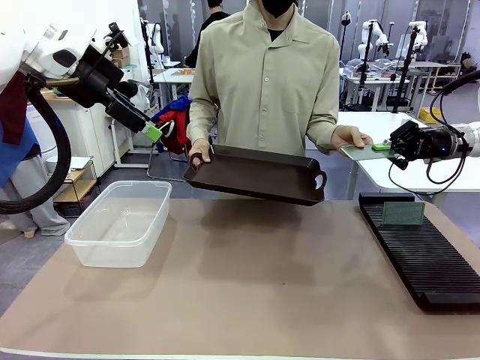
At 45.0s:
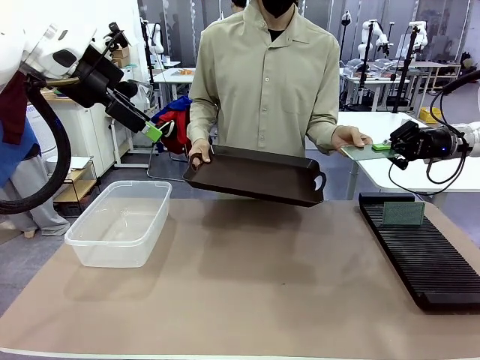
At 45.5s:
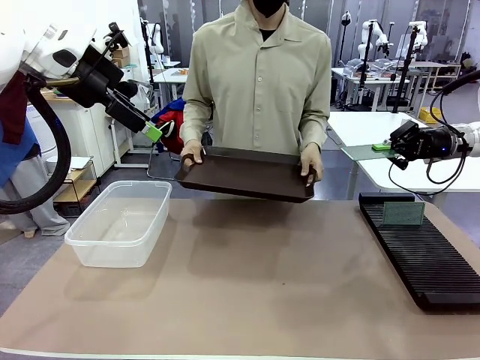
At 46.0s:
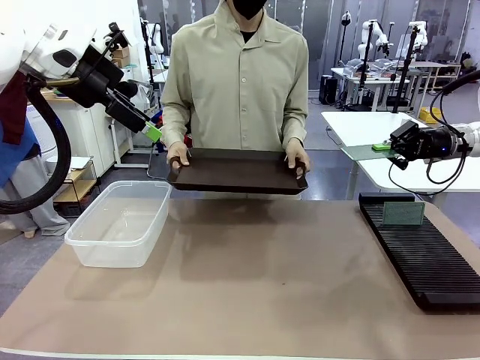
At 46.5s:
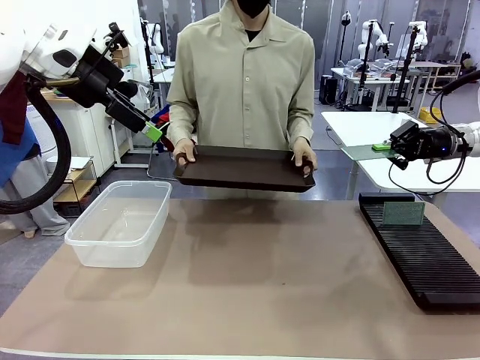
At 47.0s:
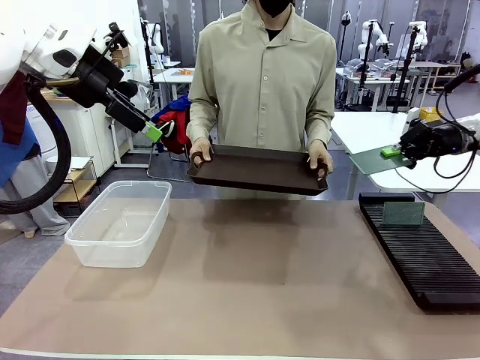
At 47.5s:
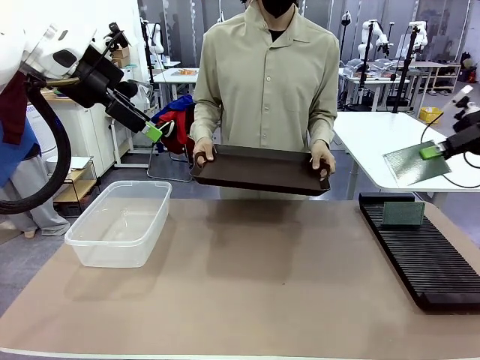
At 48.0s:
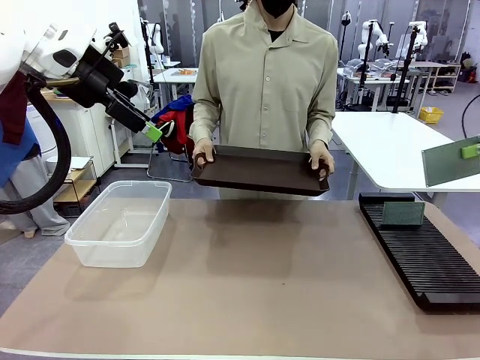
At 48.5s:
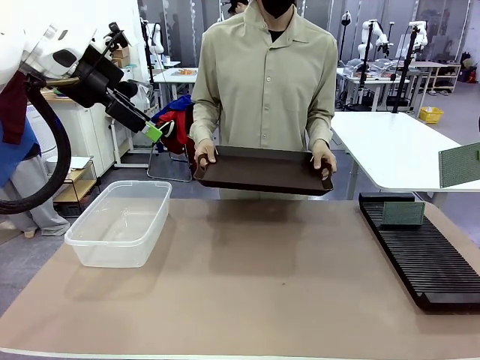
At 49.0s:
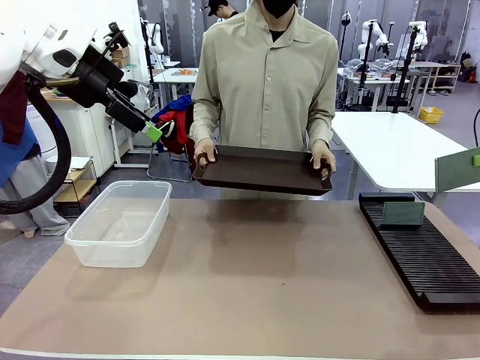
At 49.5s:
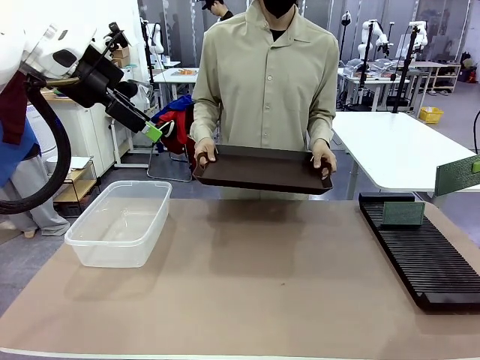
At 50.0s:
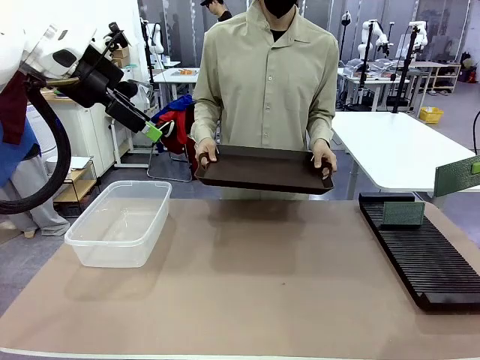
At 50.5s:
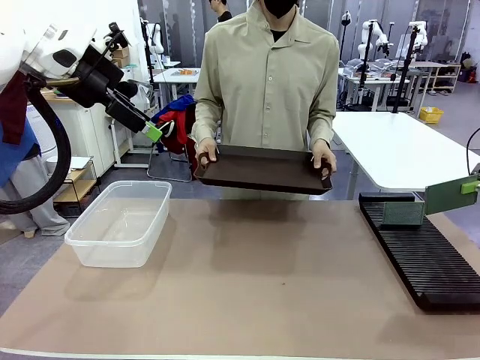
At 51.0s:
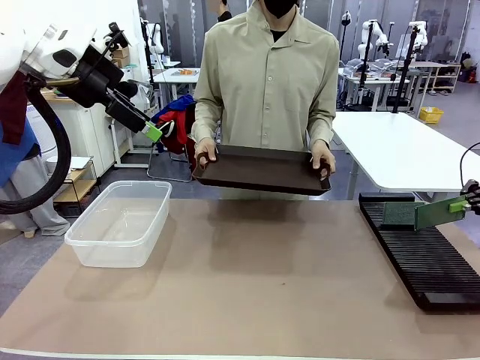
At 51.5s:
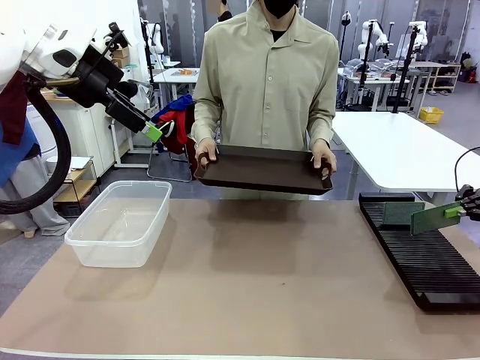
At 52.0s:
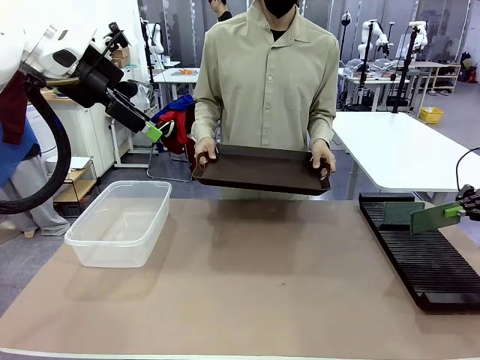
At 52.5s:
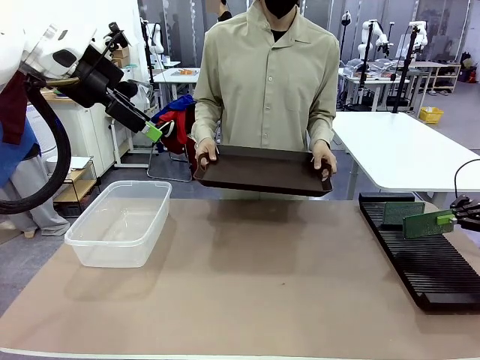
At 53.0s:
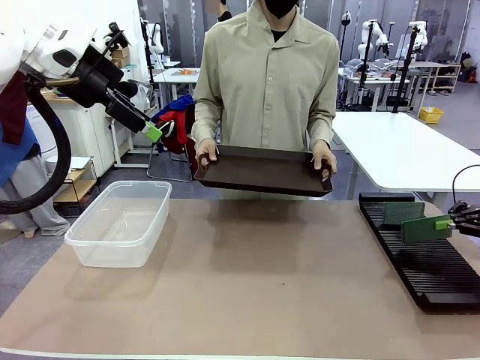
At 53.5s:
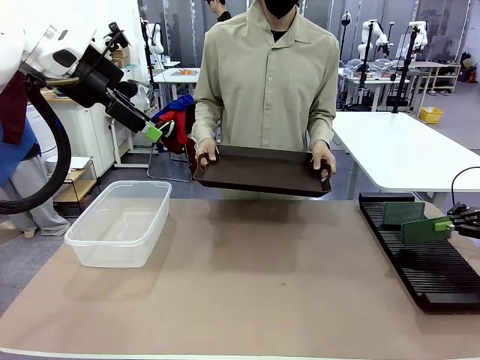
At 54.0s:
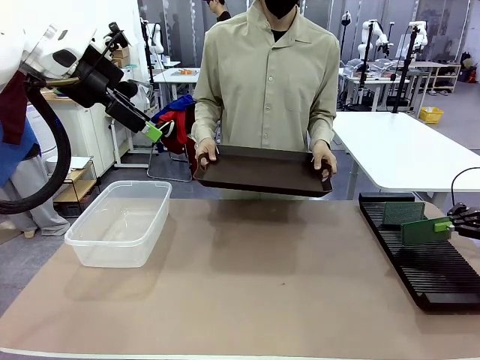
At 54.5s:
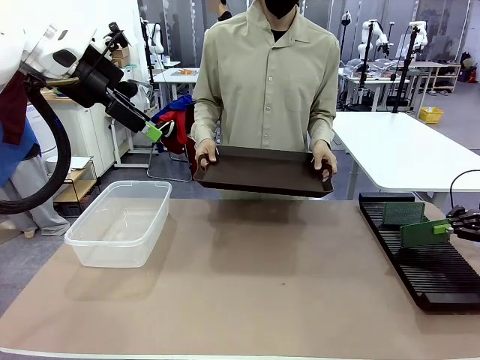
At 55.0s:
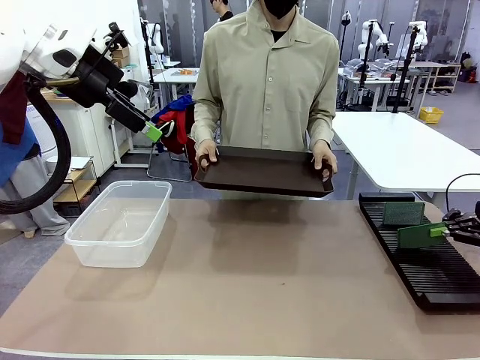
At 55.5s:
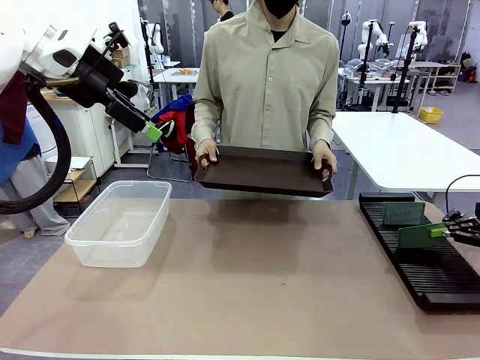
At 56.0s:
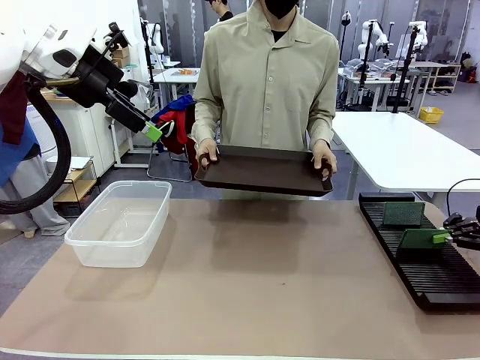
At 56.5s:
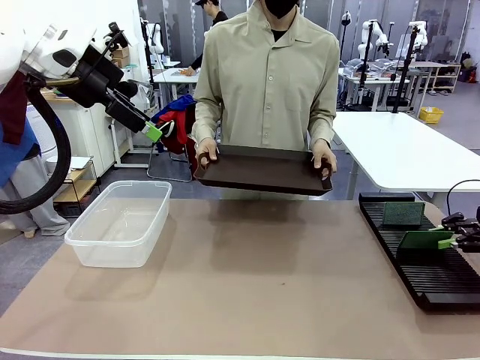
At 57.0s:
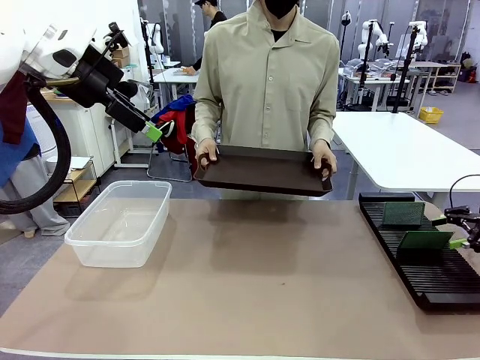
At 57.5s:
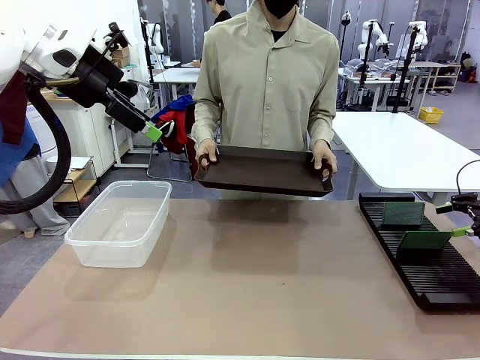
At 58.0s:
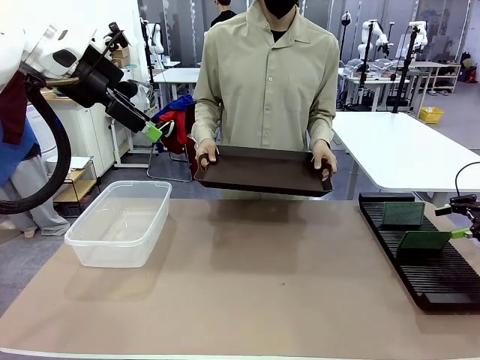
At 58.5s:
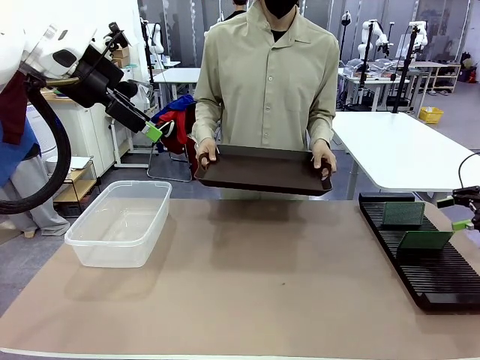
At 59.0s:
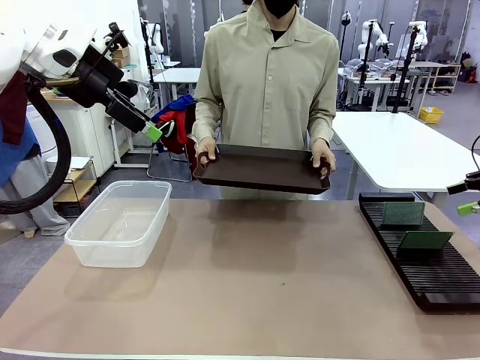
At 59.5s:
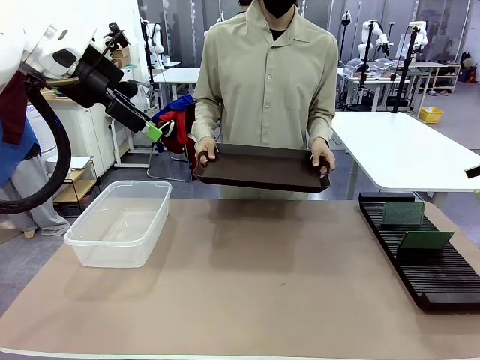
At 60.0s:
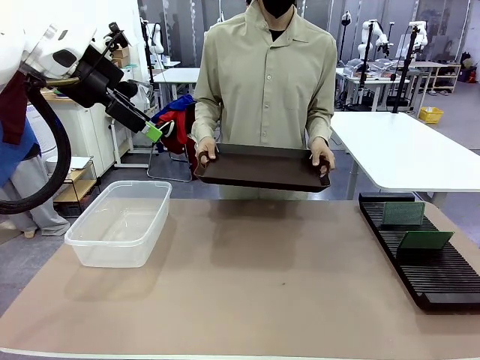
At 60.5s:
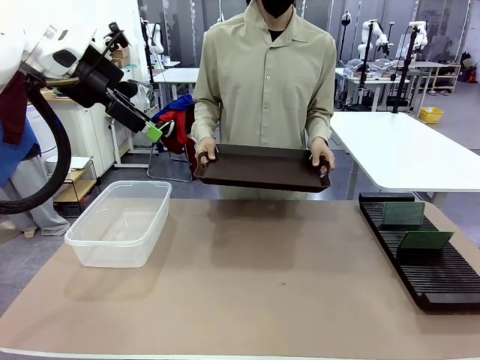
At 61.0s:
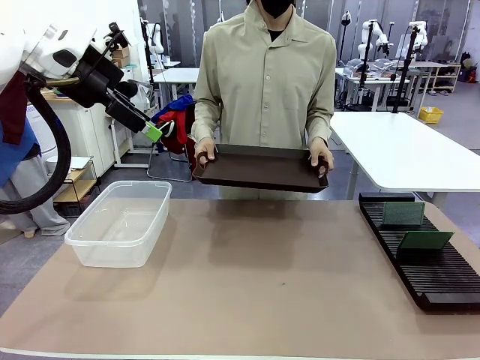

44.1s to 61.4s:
Task: Sort PCBs into racks and boxes based on the side picked up.
Robot: If the short side of the Blank PCB is picked up, insert it into the PCB Rack ; if the long side is picked up, place it in the Organizing box.
Person: Release the PCB being held.

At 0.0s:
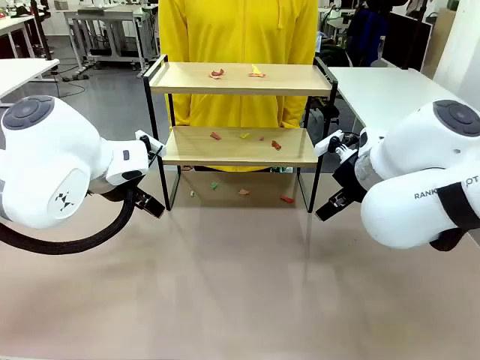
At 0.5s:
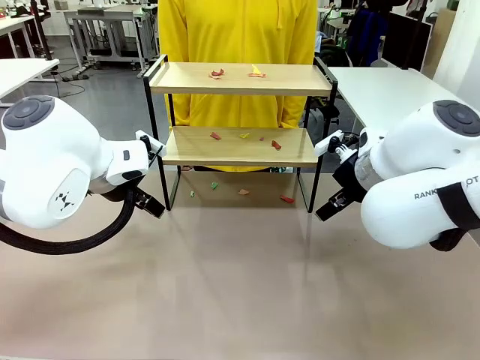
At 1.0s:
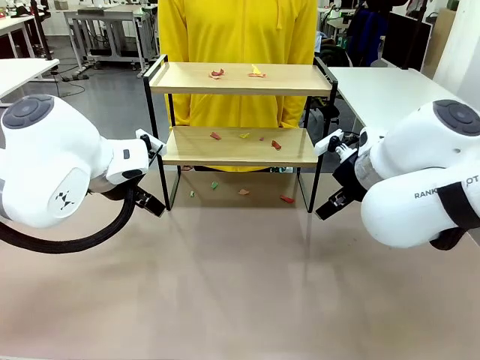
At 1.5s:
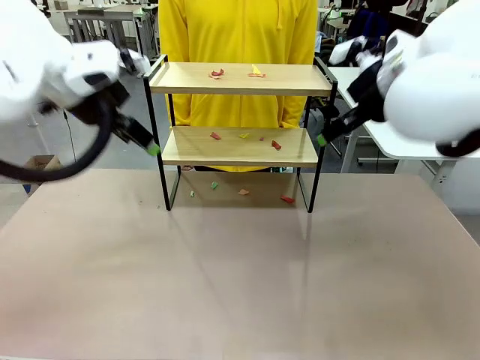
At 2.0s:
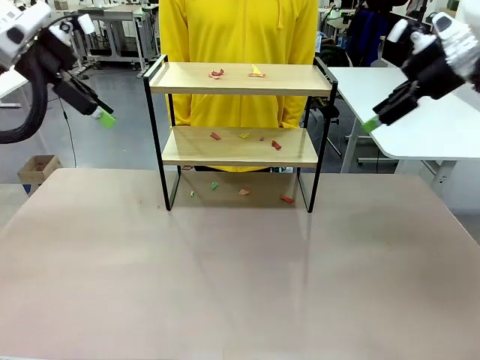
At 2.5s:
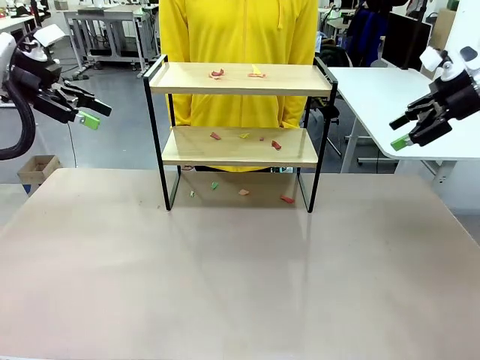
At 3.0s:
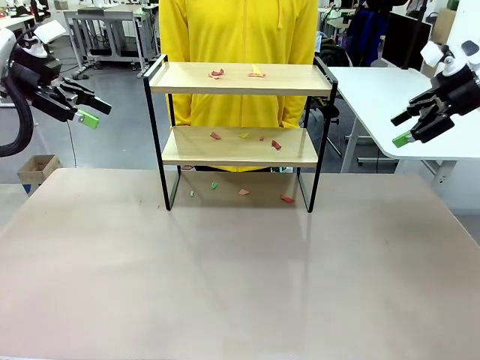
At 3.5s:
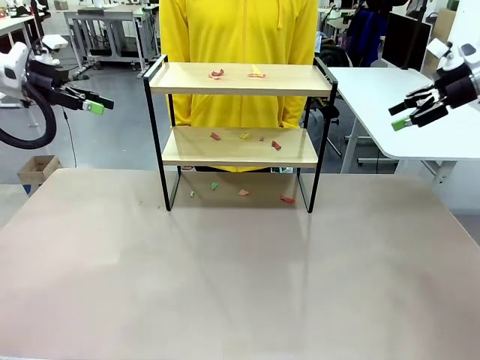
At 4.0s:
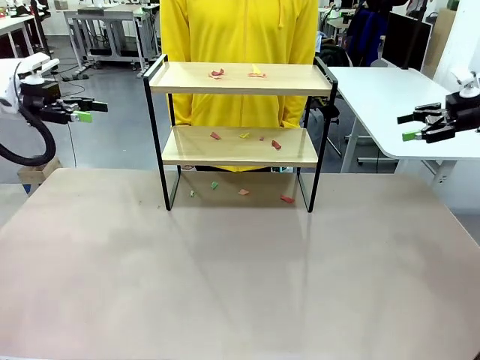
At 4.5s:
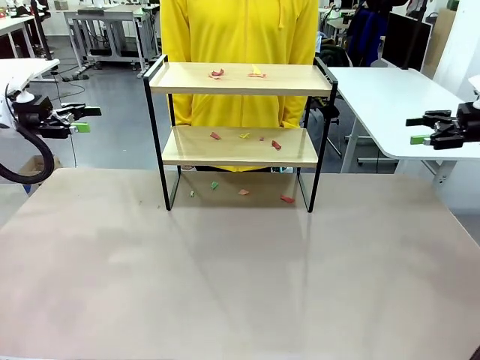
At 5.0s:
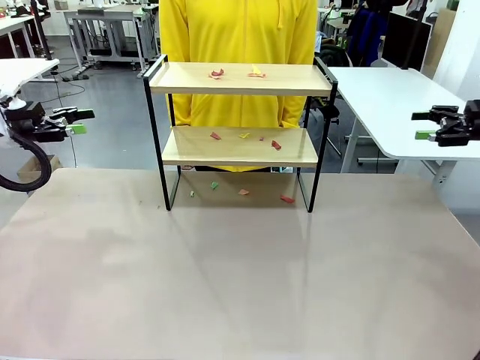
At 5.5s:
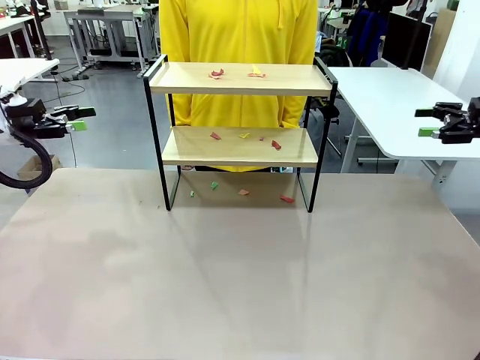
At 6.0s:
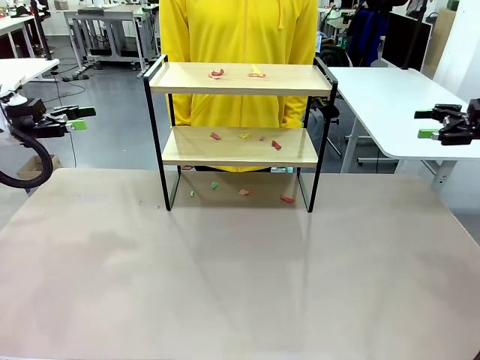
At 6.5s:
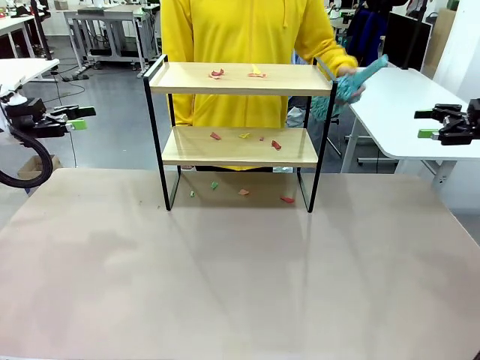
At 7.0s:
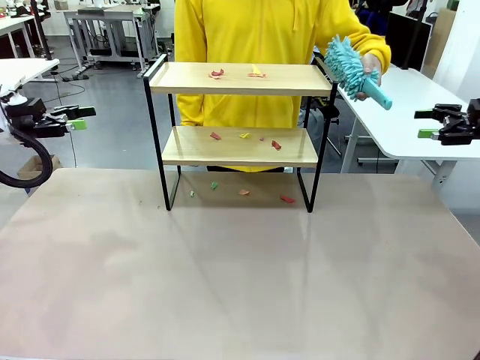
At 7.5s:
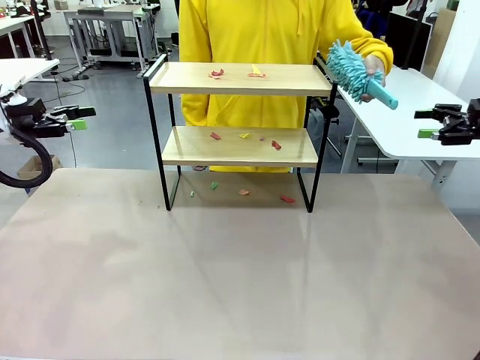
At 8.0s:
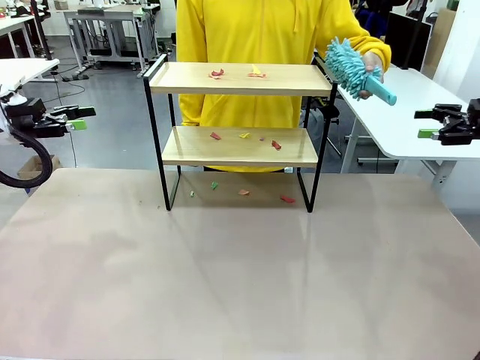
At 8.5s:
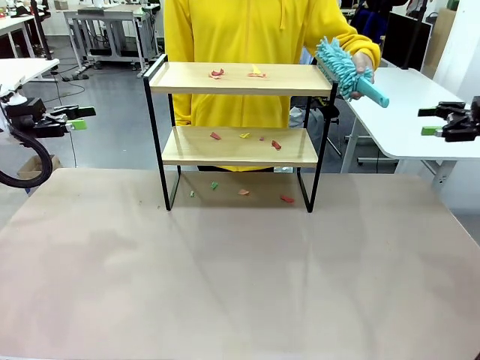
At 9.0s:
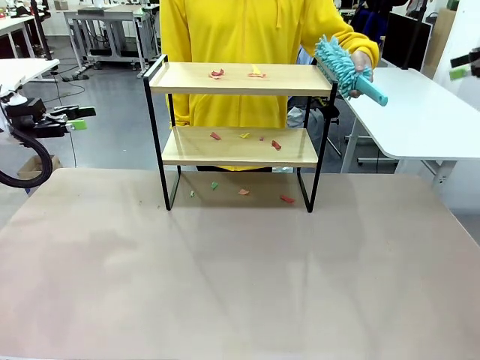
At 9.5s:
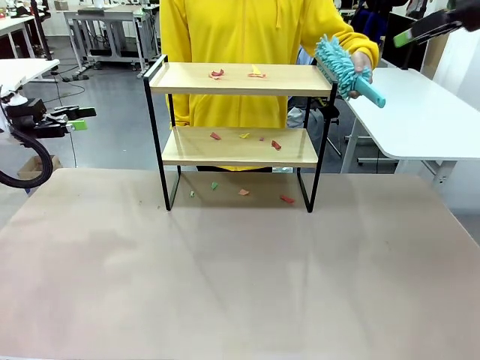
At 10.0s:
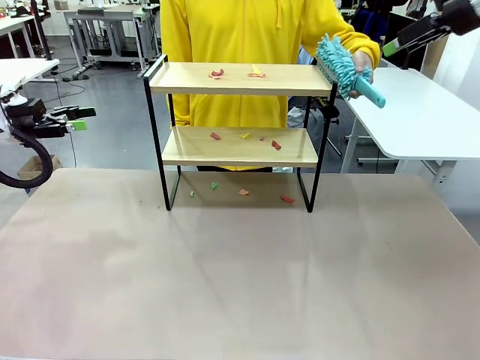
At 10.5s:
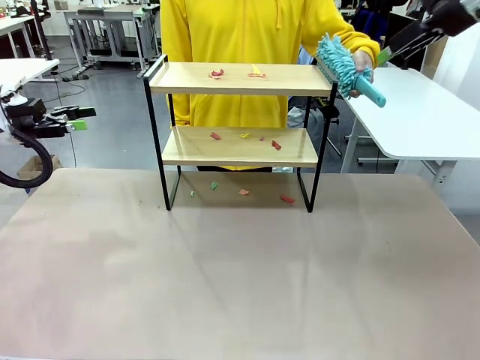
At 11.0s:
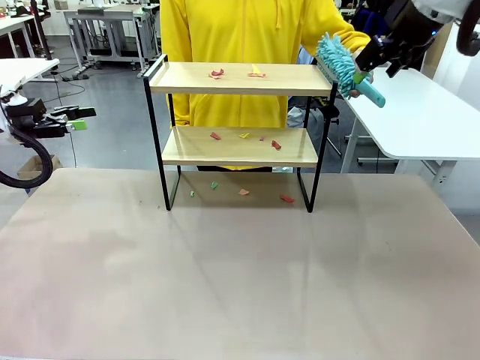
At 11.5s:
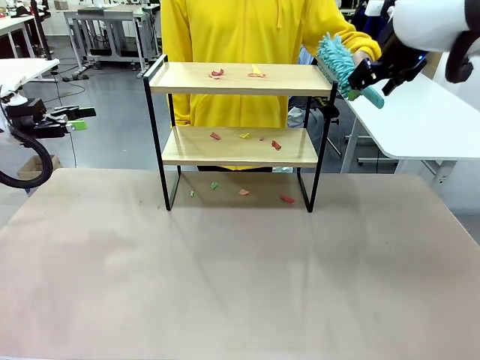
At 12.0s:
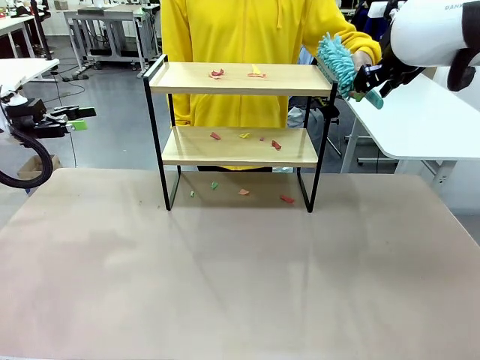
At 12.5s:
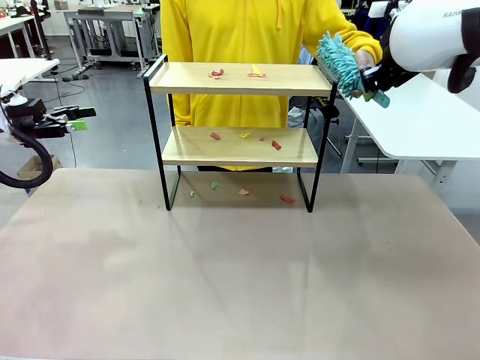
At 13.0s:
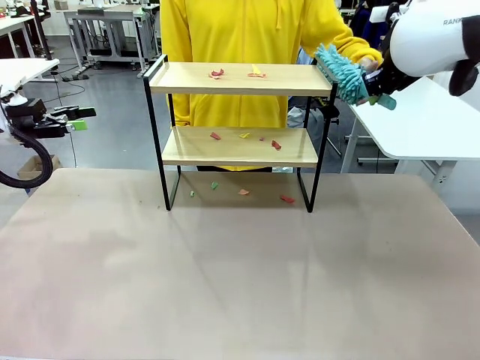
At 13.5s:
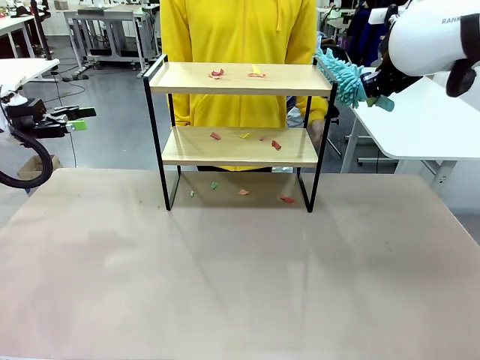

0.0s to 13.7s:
Task: Clean the shelf.
Robot: Pick up the Duster handed by the human.
Person: Hand the Duster to the robot.
